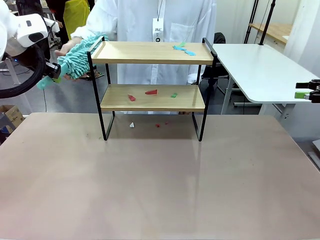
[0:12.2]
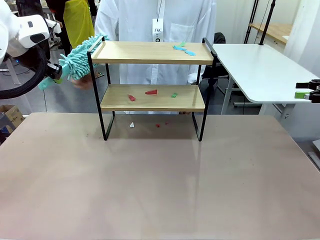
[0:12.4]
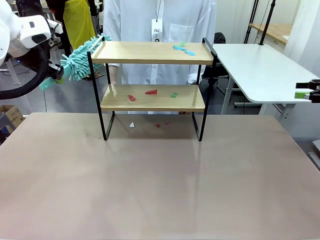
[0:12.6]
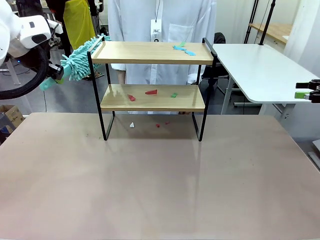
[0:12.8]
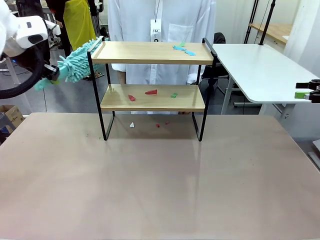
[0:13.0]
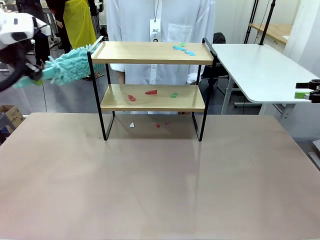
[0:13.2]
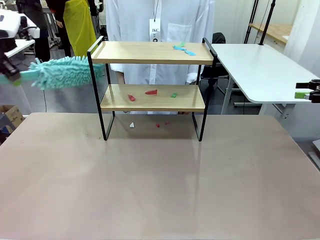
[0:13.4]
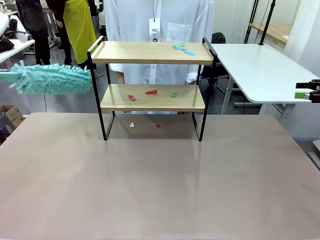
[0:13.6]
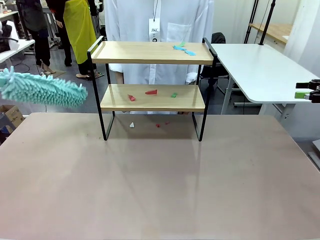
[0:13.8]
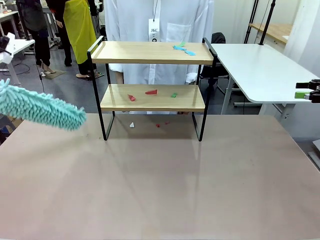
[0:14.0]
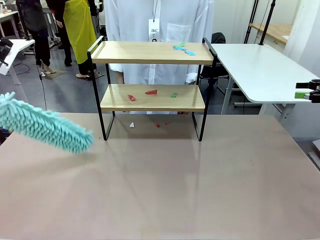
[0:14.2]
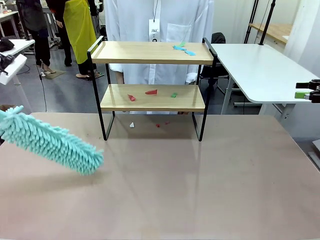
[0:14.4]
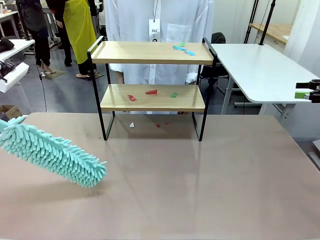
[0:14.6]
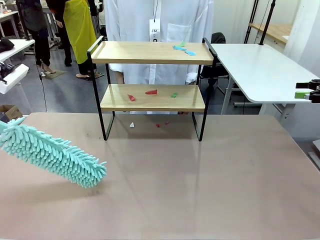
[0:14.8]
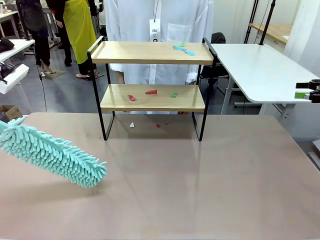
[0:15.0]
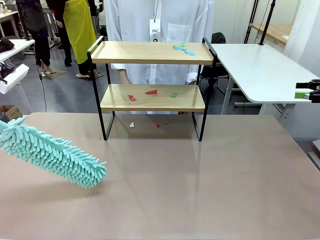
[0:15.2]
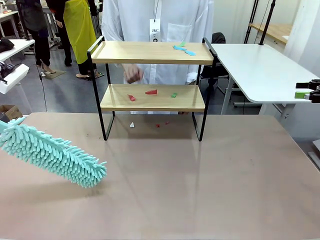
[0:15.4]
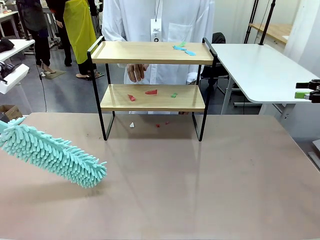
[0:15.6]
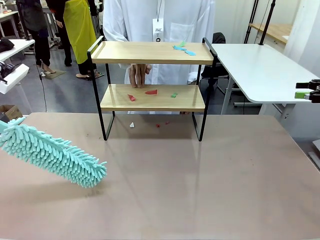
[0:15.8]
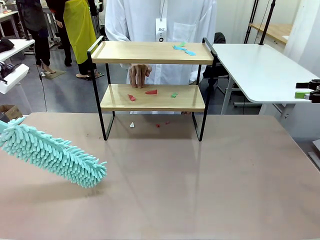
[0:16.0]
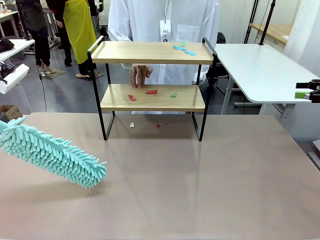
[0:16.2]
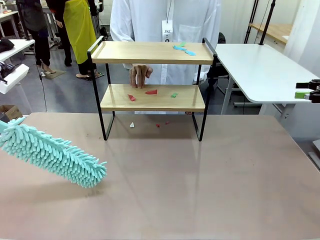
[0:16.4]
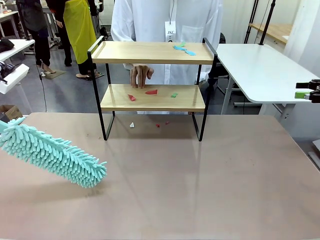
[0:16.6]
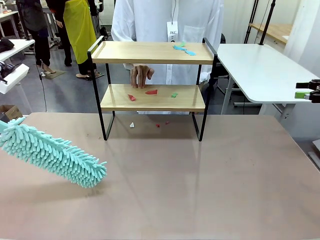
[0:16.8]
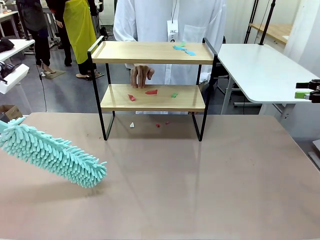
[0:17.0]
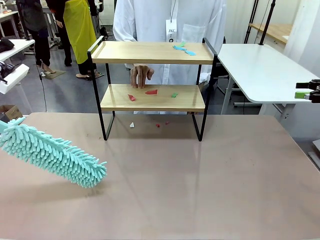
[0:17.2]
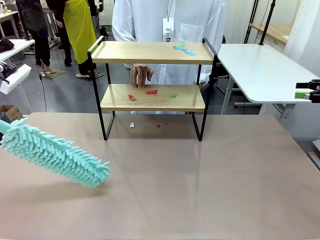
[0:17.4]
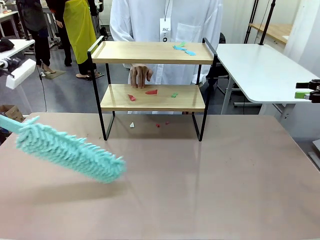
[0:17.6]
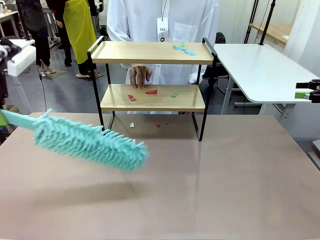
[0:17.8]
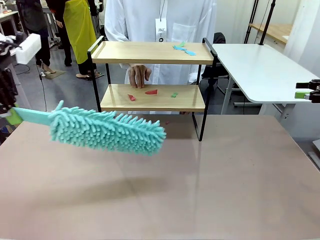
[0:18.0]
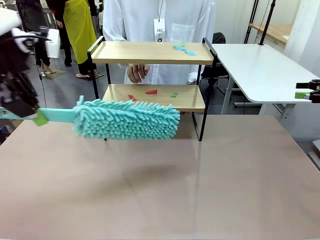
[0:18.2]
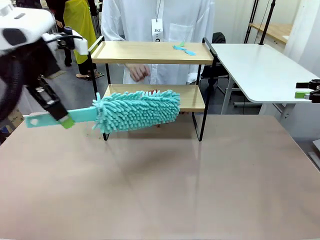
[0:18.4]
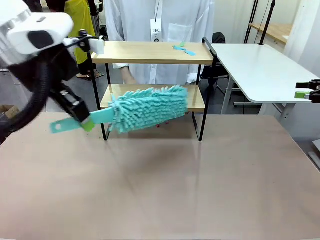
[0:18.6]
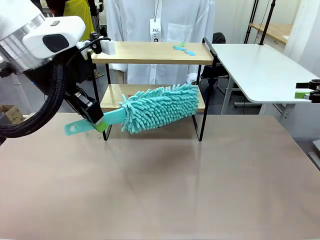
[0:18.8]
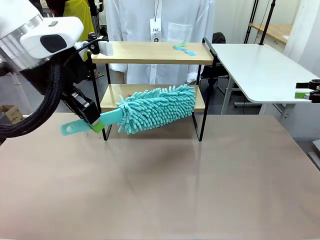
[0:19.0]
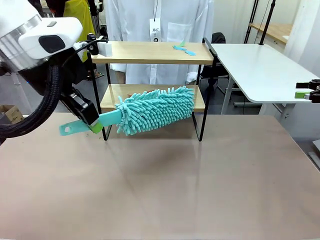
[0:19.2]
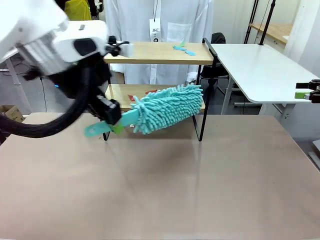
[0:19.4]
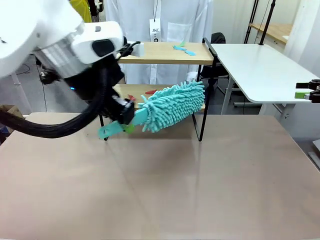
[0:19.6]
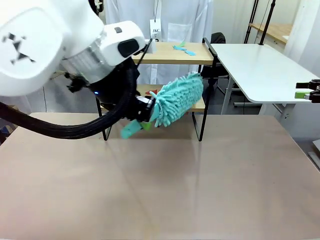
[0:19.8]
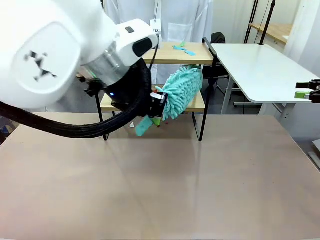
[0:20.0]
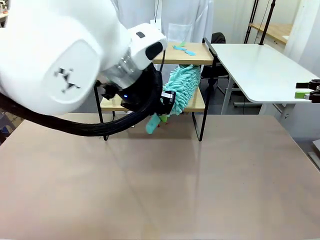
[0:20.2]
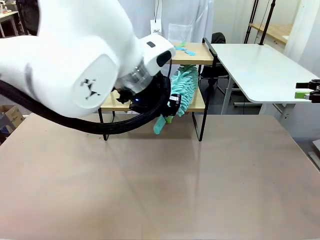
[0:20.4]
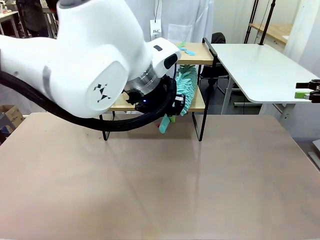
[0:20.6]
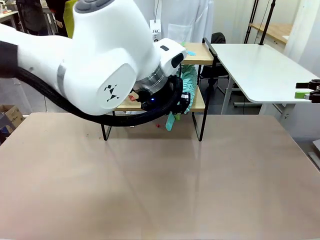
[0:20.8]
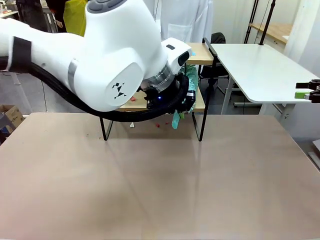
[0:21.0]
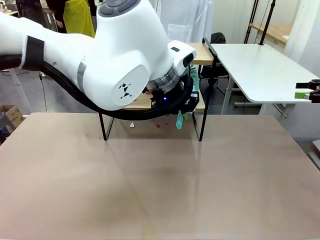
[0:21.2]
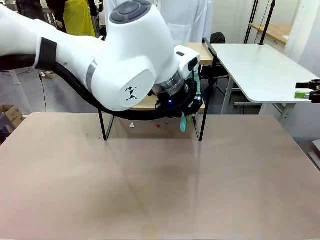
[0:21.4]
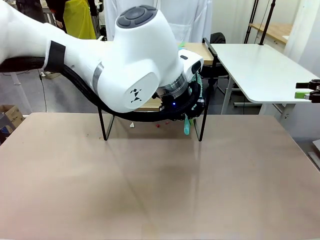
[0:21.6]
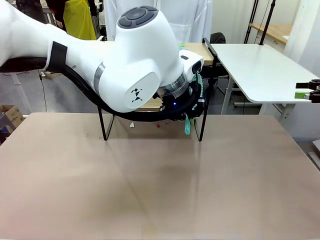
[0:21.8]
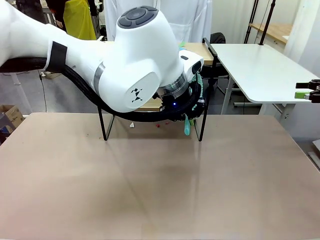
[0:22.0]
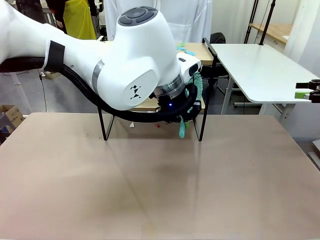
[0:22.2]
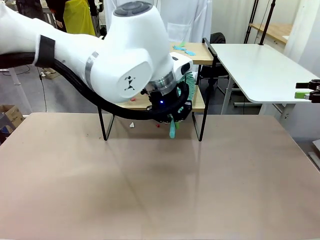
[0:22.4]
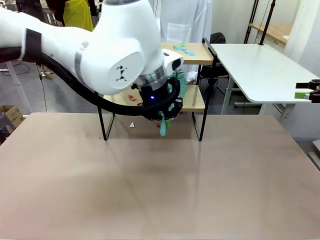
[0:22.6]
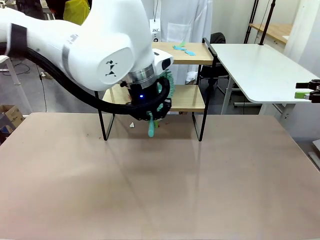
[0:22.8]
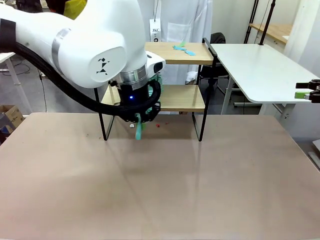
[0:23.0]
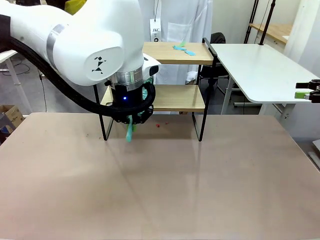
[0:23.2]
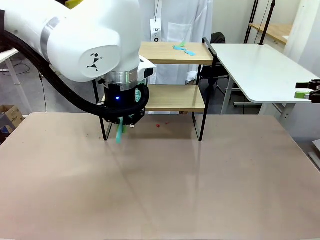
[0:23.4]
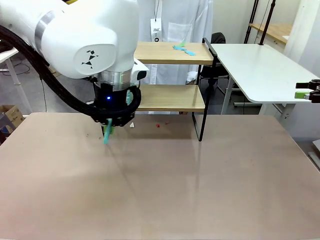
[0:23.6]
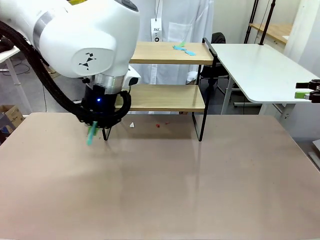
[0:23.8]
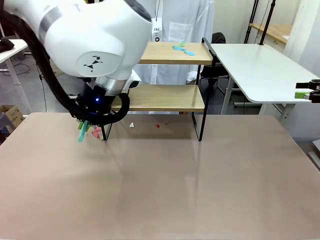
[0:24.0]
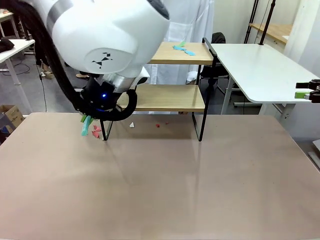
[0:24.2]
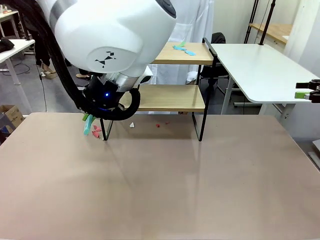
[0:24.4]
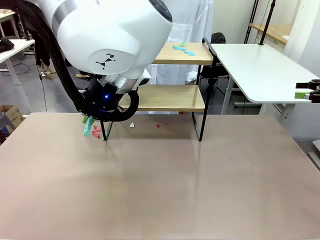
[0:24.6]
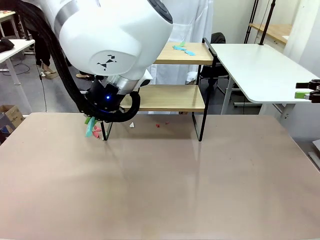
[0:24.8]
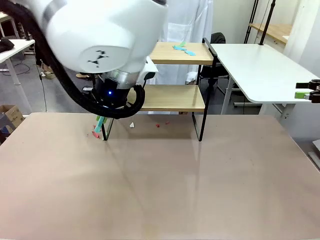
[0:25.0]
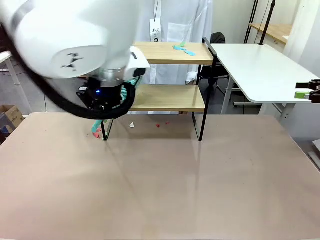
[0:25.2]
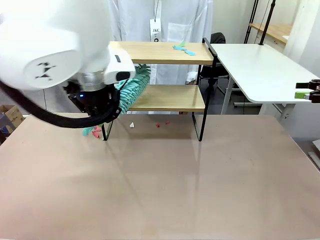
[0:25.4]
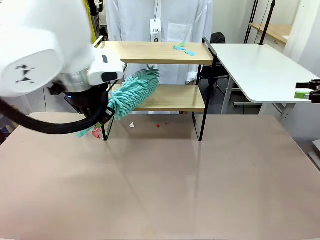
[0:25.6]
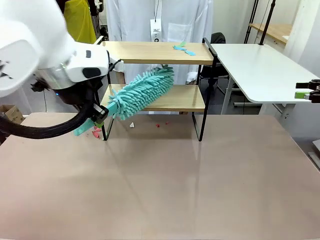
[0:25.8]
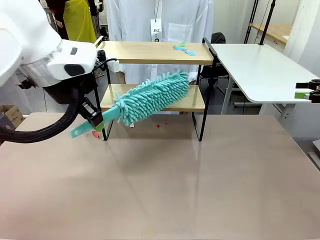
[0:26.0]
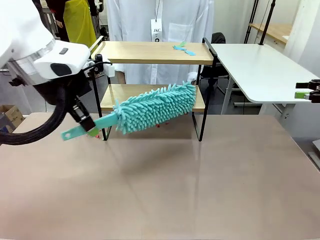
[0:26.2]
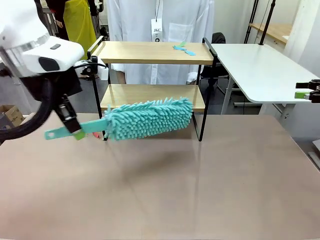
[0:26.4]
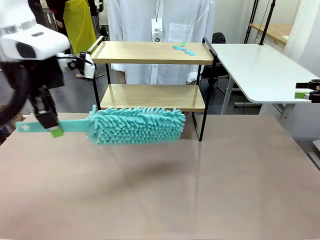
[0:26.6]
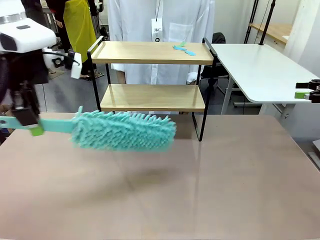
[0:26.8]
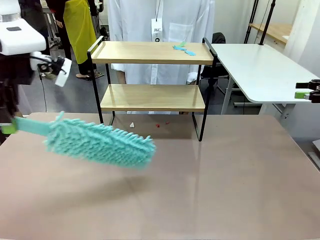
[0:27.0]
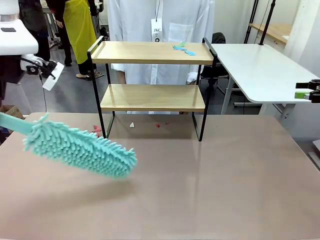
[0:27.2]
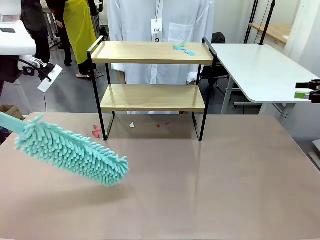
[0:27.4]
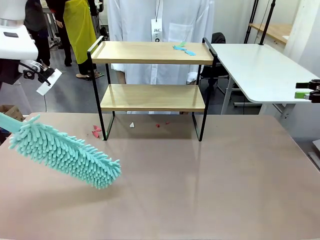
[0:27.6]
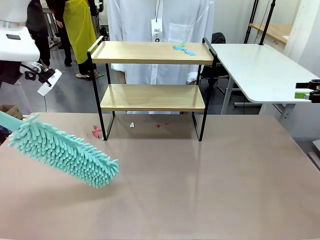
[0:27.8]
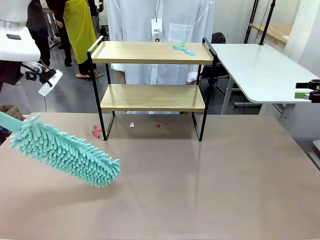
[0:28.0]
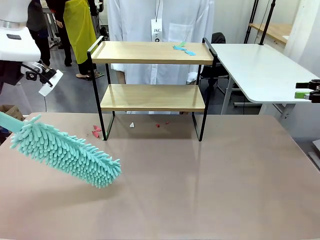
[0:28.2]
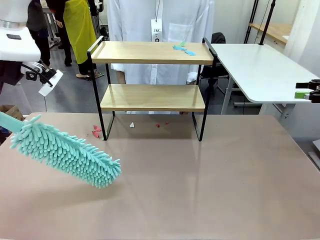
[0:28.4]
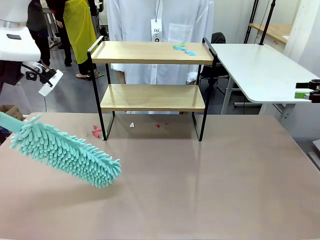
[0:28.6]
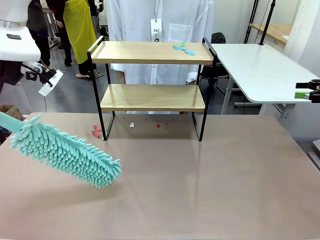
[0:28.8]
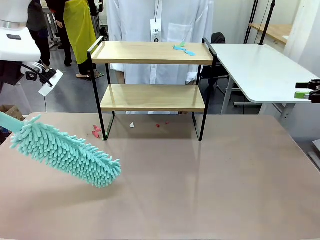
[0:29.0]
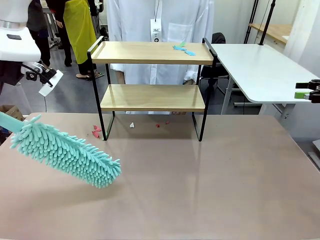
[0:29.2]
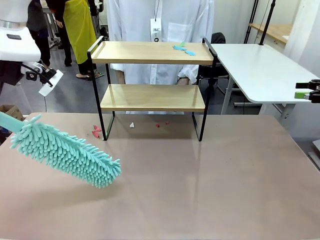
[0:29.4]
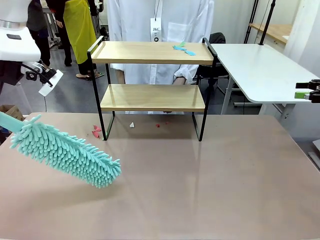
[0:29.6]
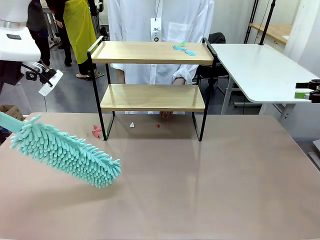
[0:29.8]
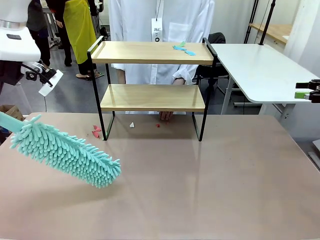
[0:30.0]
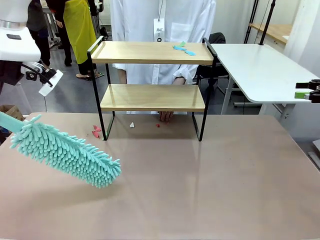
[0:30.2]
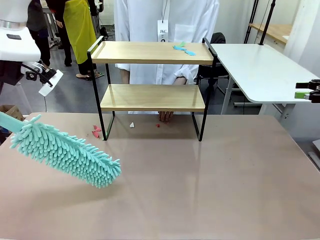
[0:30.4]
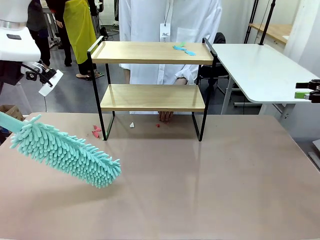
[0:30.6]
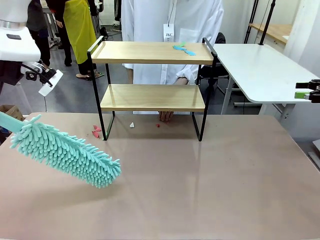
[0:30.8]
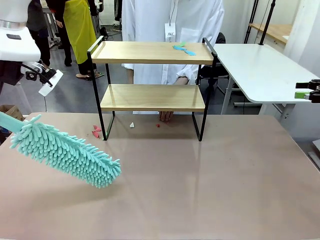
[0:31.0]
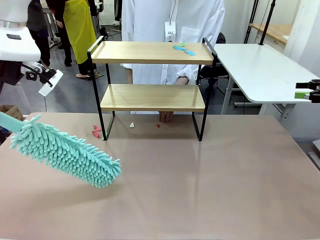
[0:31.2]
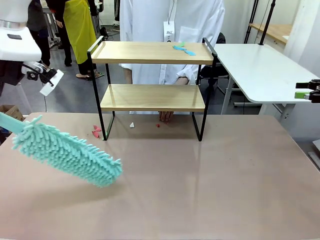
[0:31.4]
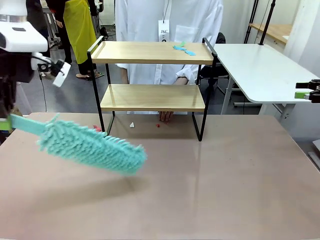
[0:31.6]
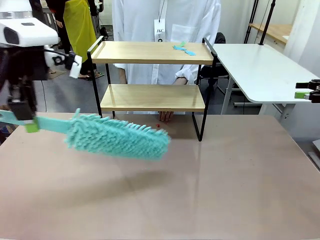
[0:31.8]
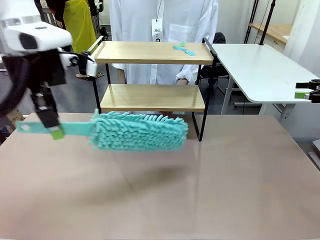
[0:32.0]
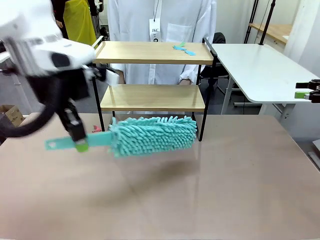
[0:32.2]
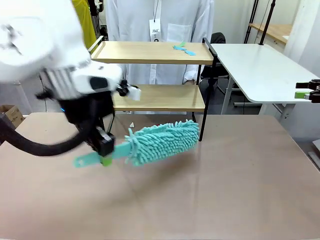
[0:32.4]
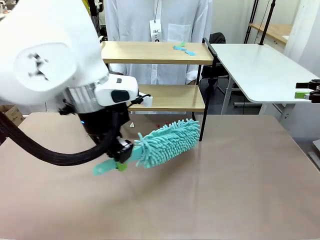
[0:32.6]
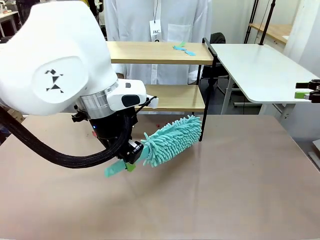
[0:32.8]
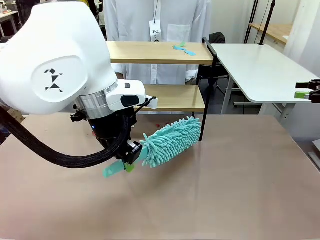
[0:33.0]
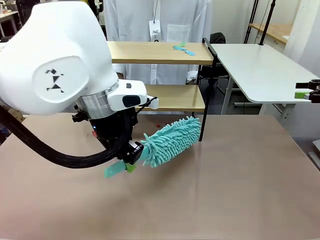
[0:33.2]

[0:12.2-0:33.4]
Task: Clean the shelf.
Robot: Clean the specific section of the Shelf indicated by the human with the Duster.
Person: Point a random section of the Shelf.
